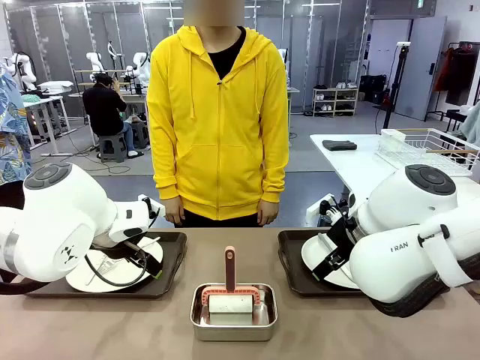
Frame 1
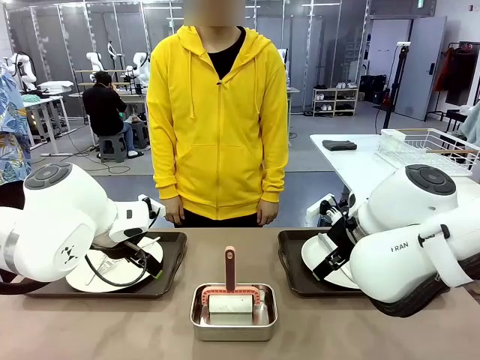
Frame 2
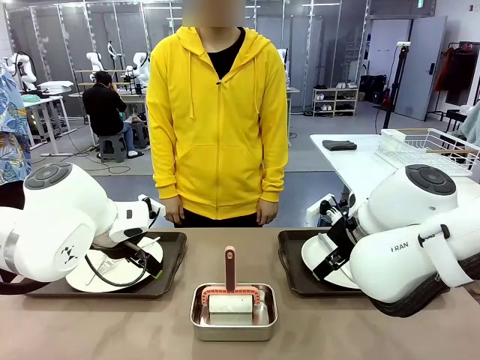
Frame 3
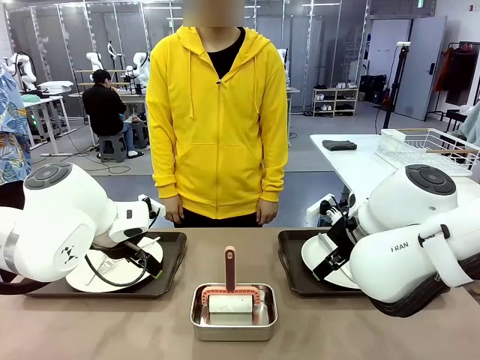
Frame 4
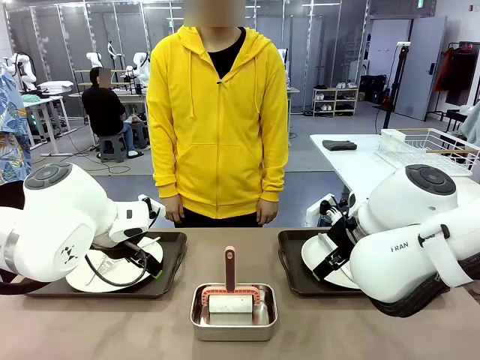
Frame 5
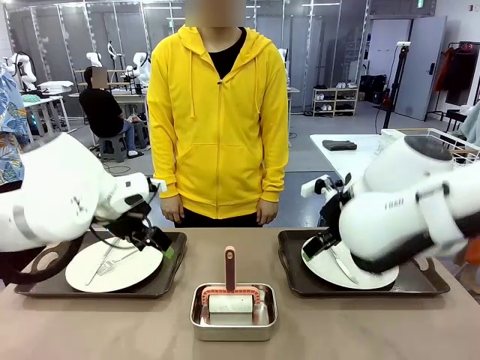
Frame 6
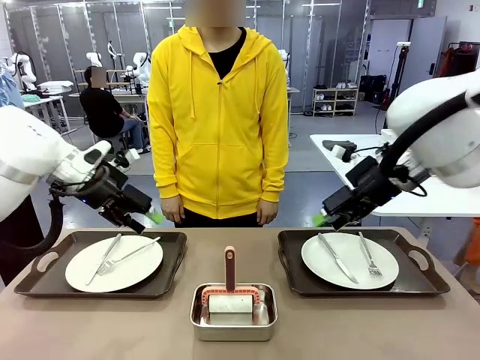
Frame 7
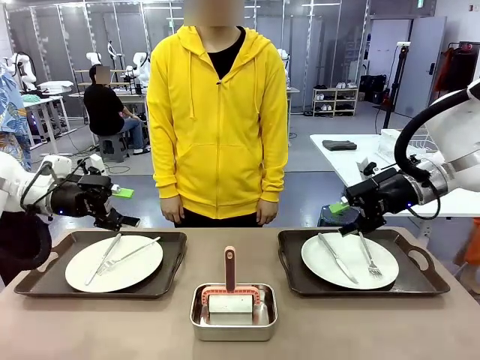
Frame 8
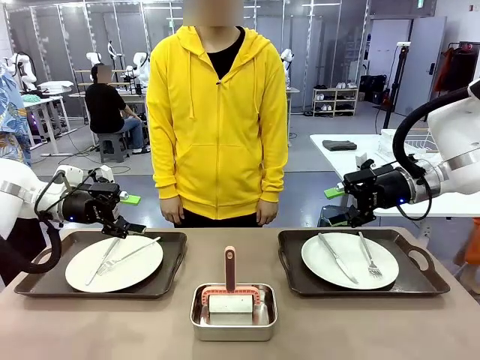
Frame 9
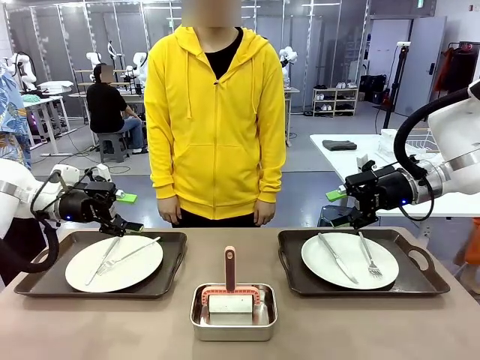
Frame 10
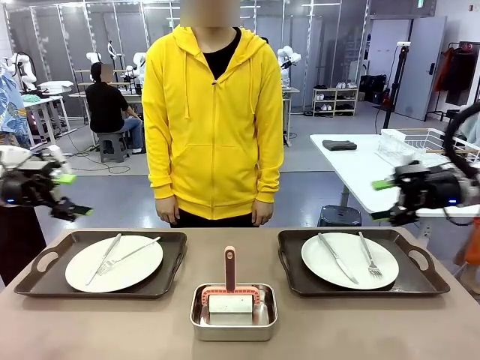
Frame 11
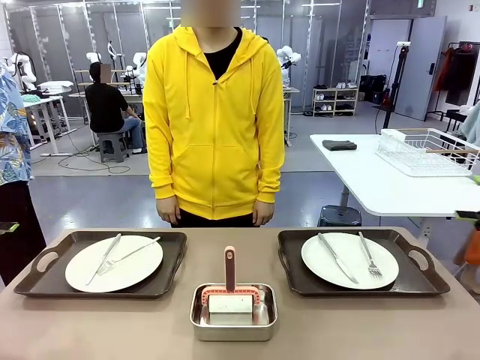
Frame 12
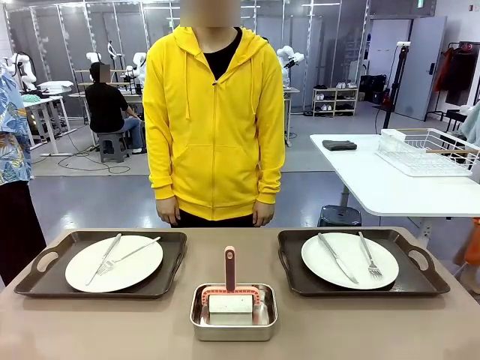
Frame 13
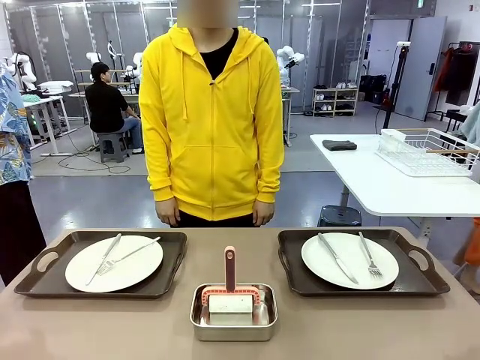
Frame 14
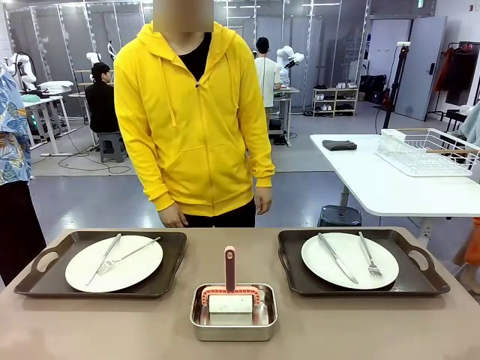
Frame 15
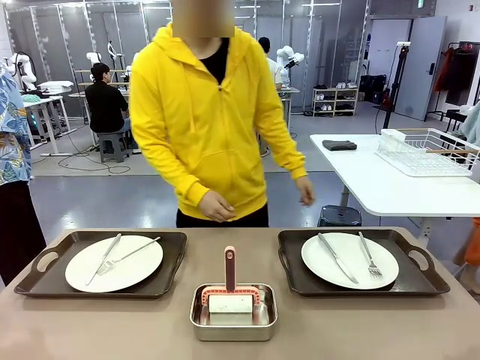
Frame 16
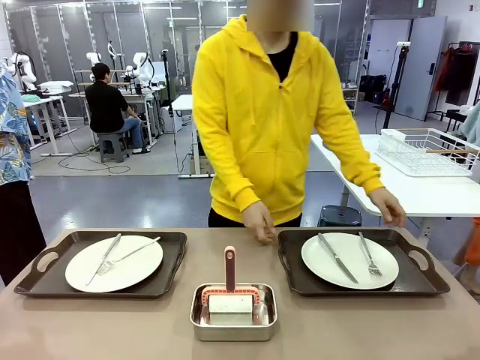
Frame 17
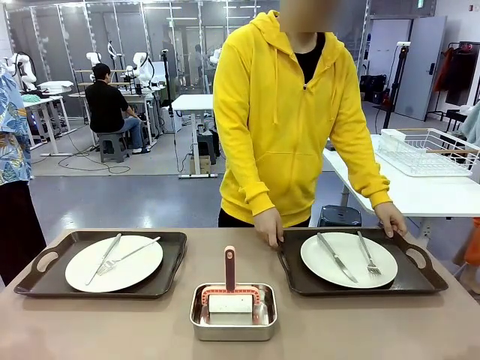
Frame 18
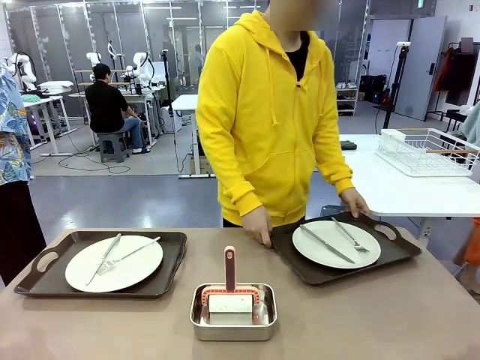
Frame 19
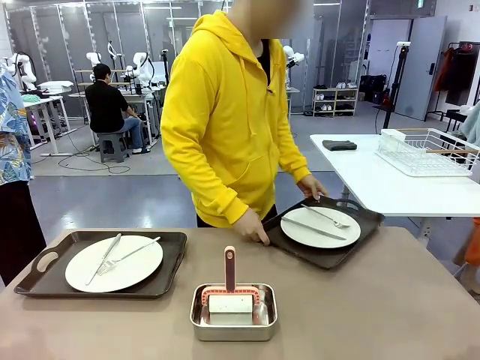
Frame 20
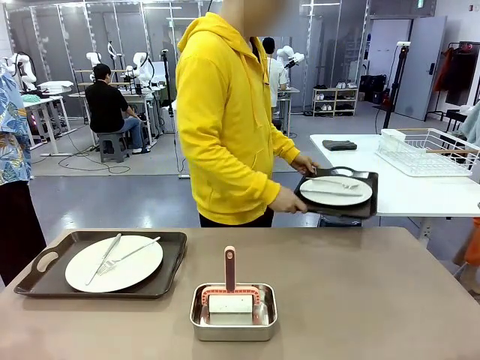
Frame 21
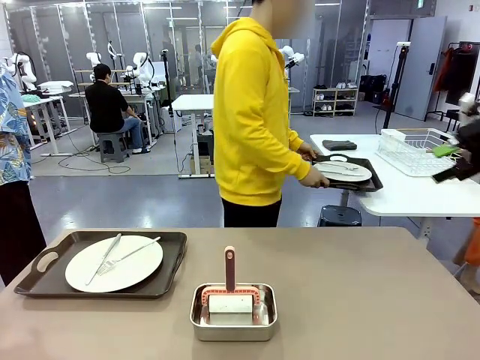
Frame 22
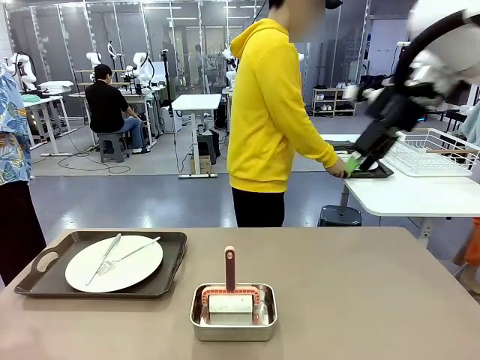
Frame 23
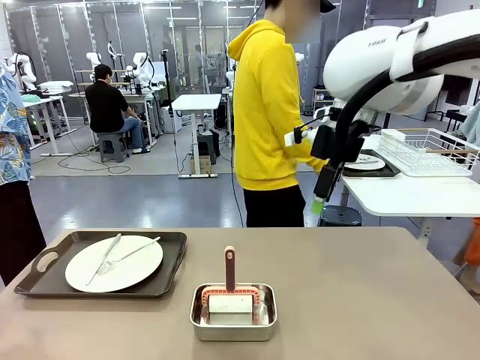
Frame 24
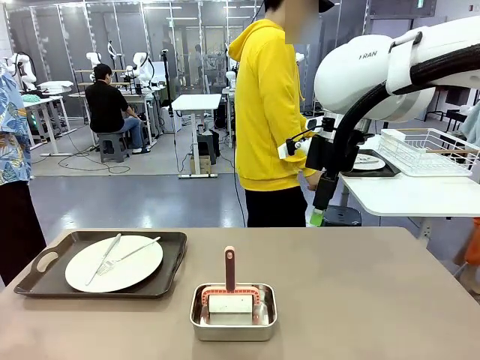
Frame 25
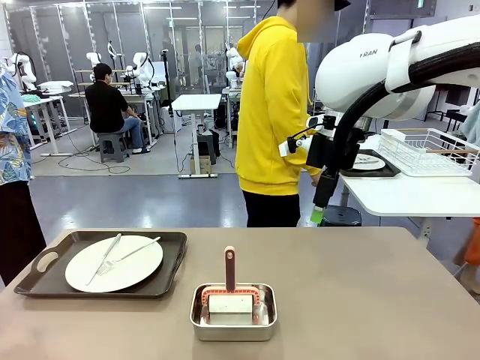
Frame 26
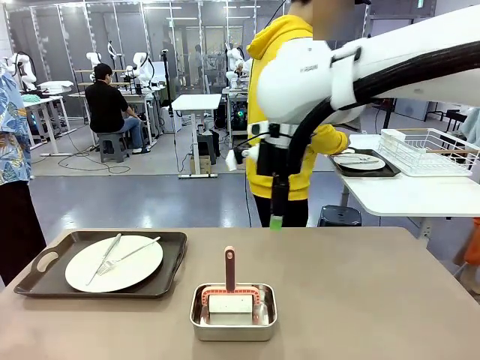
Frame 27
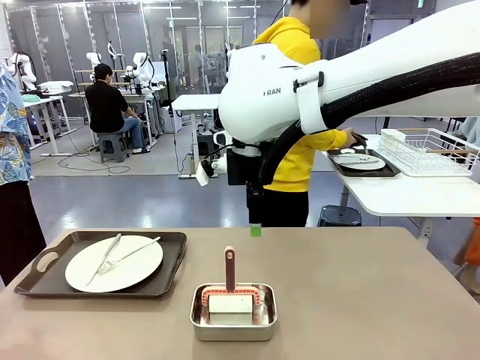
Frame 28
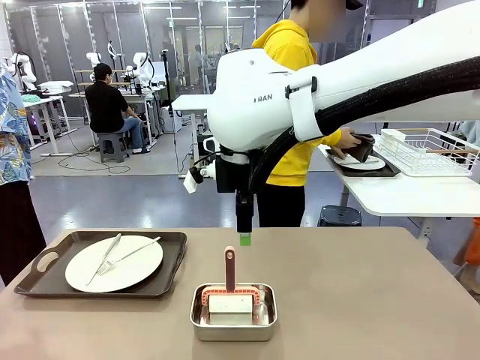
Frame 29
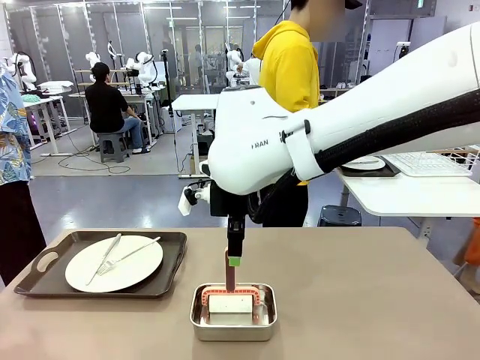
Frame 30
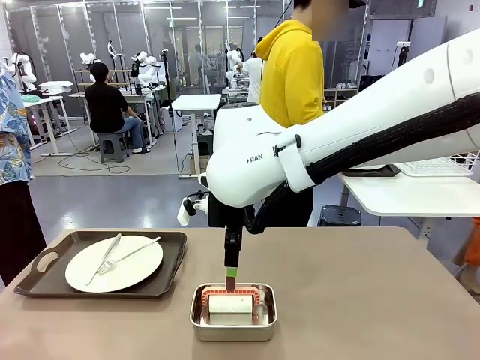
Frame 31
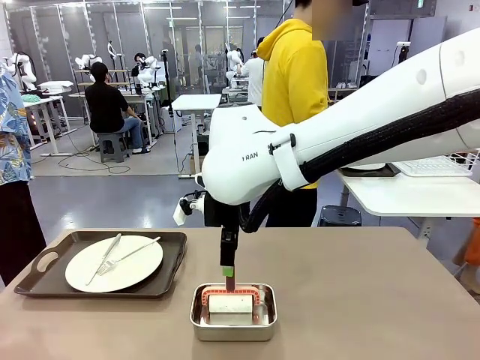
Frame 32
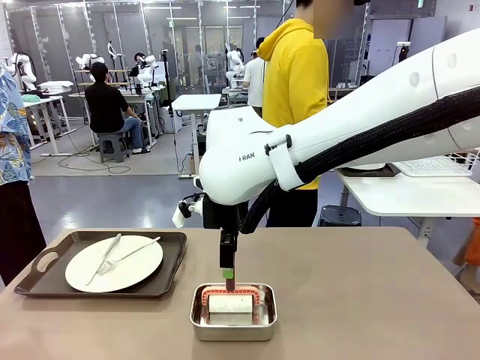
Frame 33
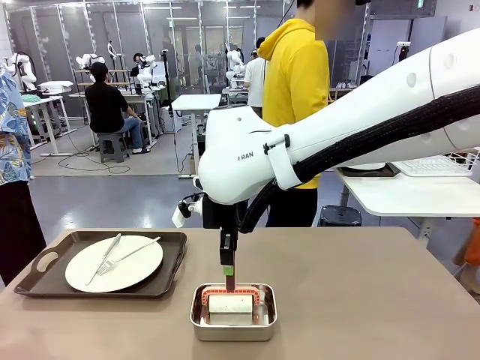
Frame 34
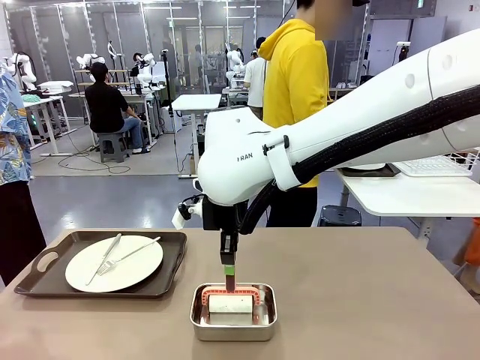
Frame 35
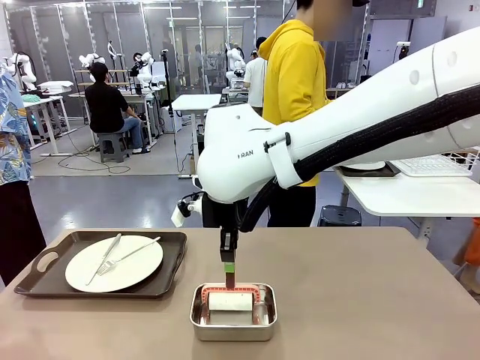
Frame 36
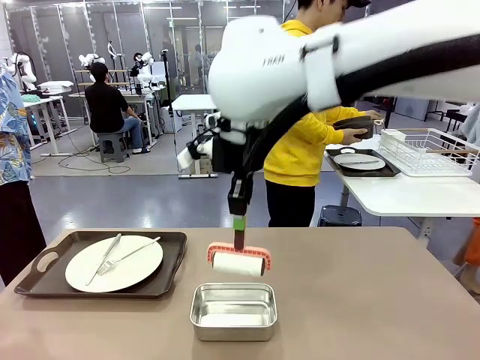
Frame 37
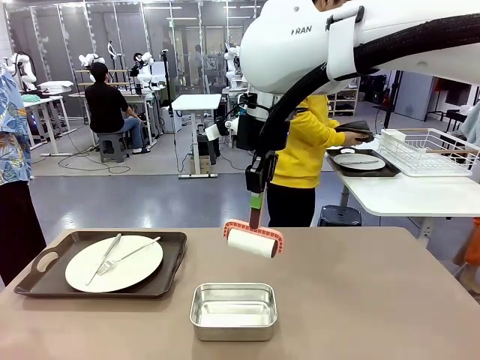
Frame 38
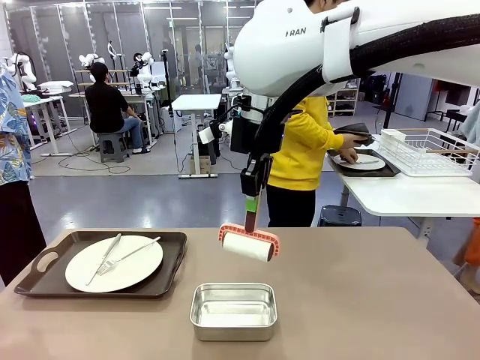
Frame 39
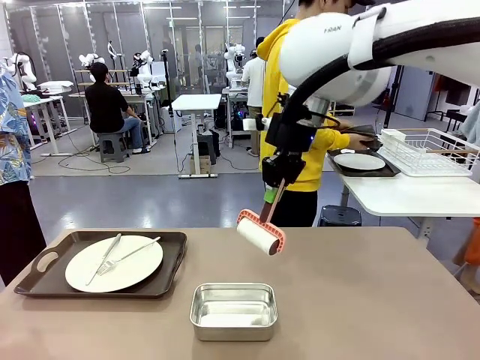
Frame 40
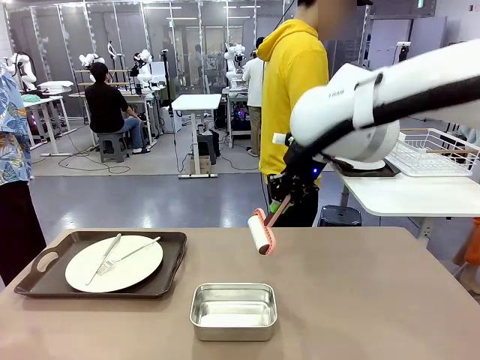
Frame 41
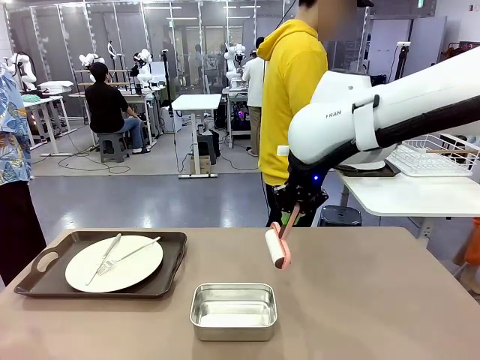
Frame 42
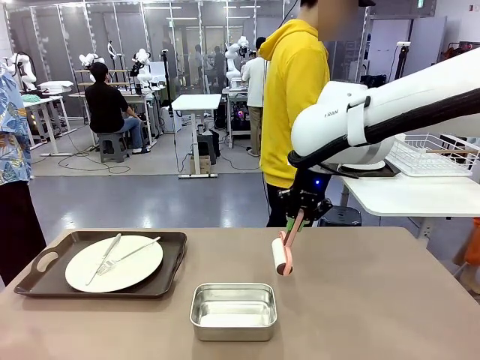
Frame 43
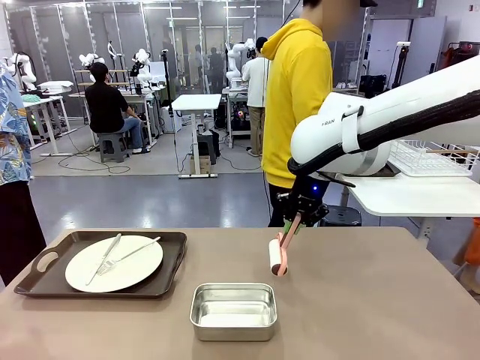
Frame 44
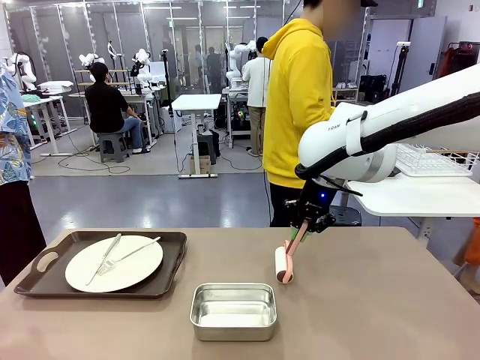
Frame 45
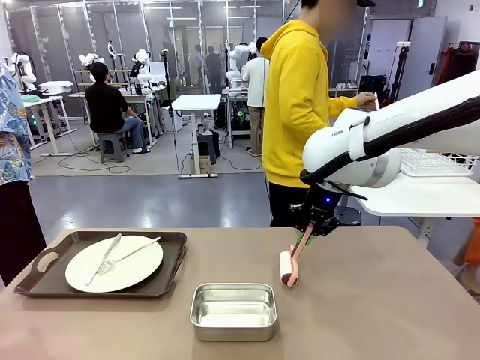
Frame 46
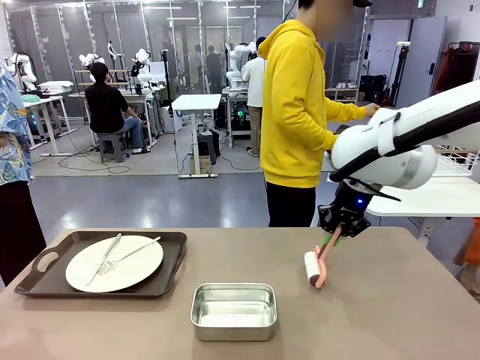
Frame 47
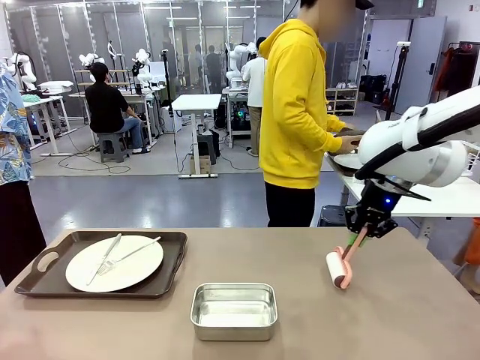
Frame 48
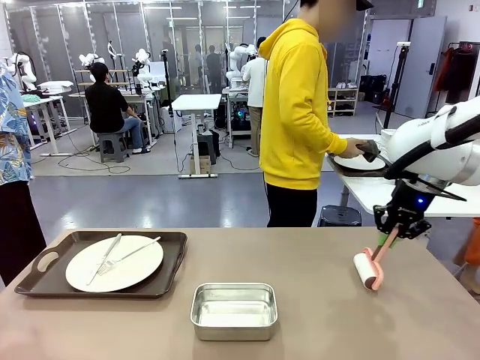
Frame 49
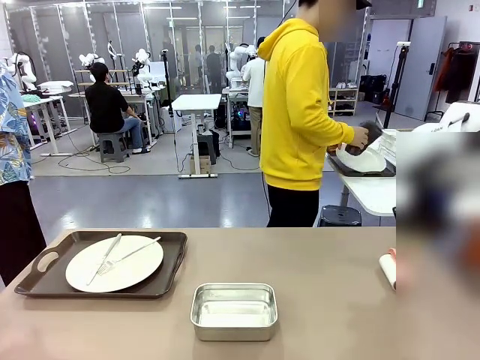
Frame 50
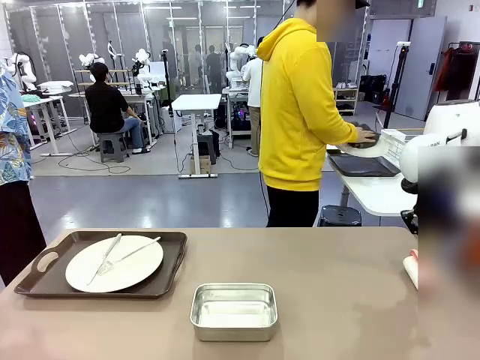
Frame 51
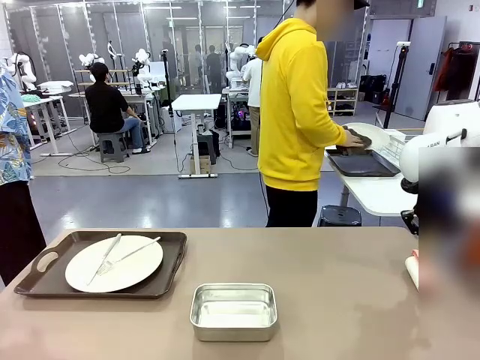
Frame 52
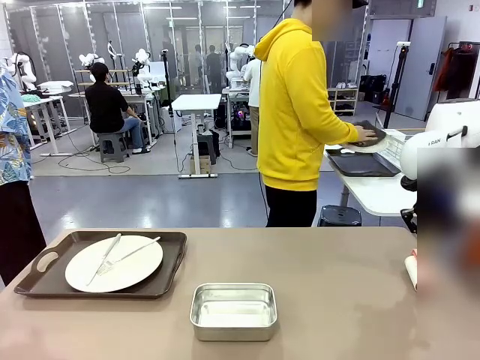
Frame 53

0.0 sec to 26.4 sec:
Robot: When the left (or right) Handle tray is removed, use the left hand (or right hand) to clean the left (or right) side of the table with the Lint Roller.
Person: Pick up the left (or right) Handle tray and place it on the middle of the Human's table. Use the Towel with hook to wipe the Plastic Matte Plate , Fork , and Knife and place into the Dish drying rack.
